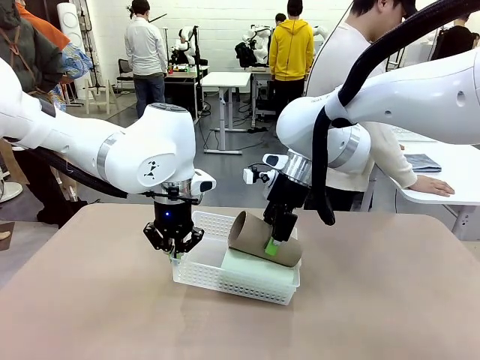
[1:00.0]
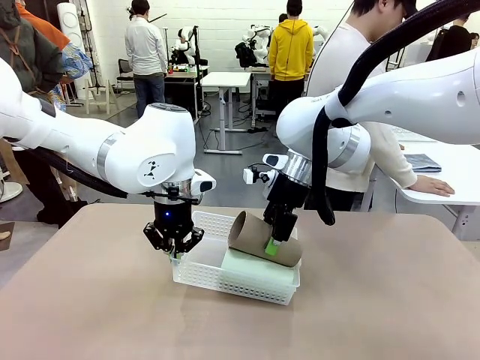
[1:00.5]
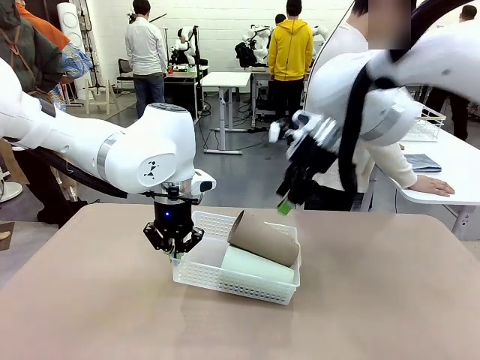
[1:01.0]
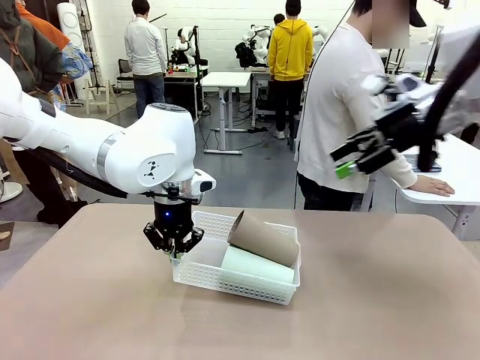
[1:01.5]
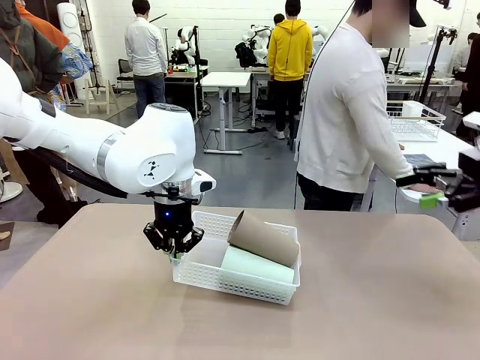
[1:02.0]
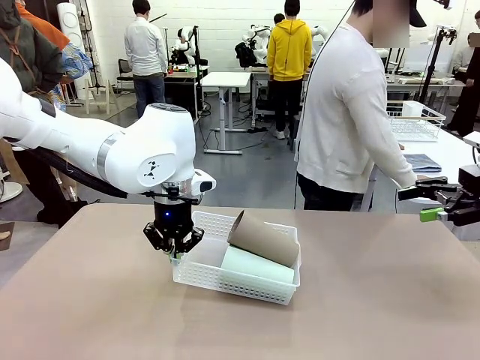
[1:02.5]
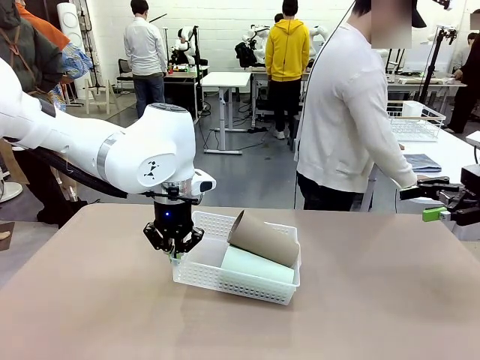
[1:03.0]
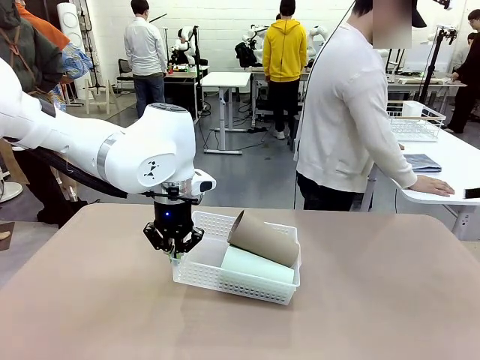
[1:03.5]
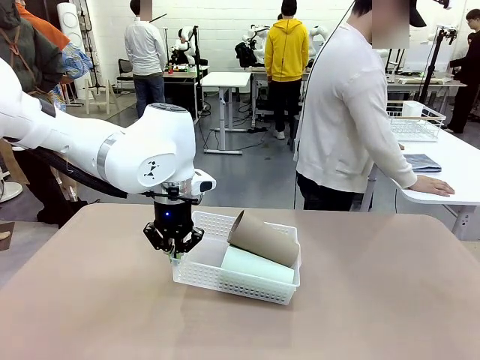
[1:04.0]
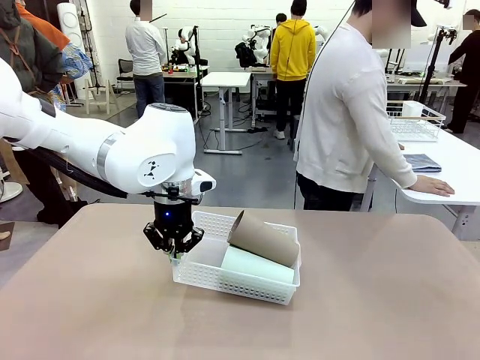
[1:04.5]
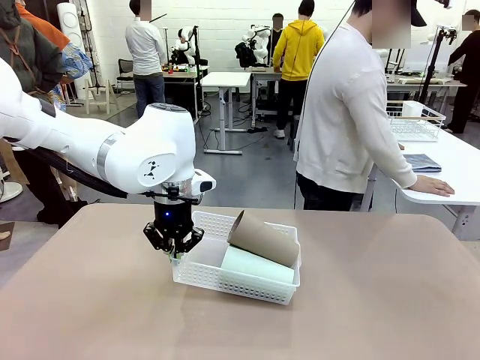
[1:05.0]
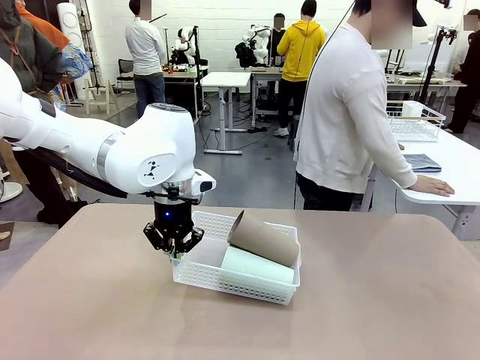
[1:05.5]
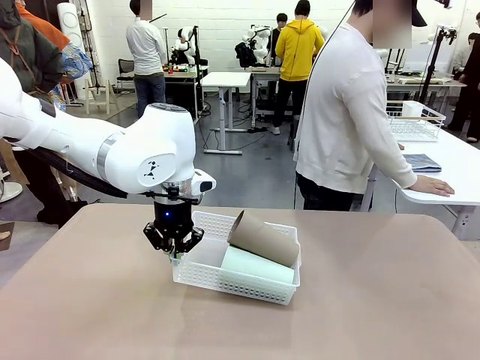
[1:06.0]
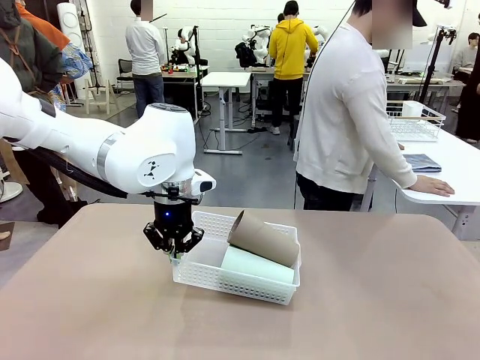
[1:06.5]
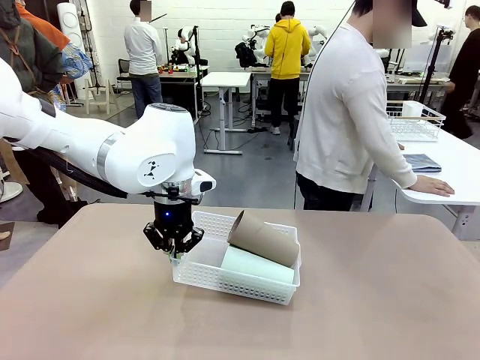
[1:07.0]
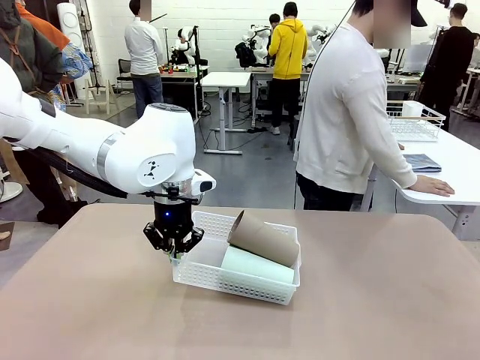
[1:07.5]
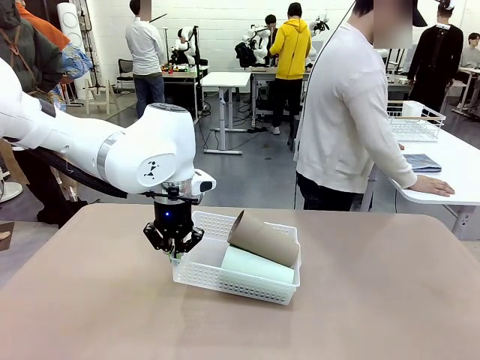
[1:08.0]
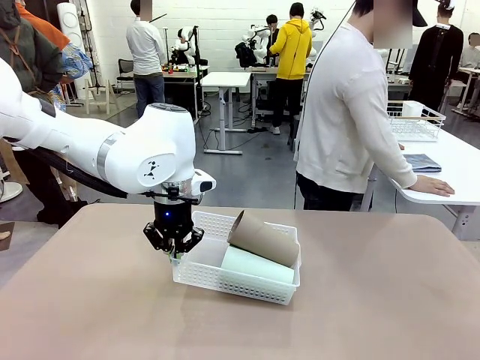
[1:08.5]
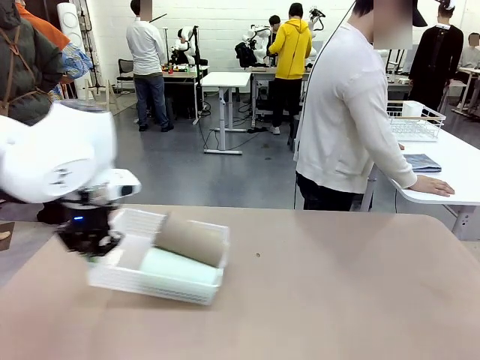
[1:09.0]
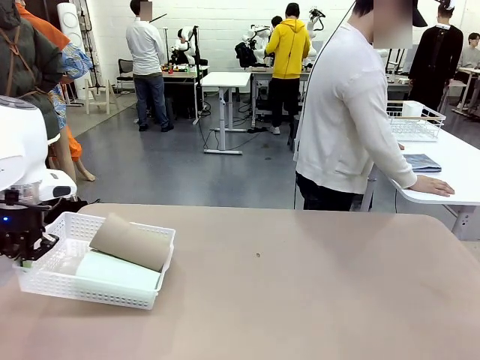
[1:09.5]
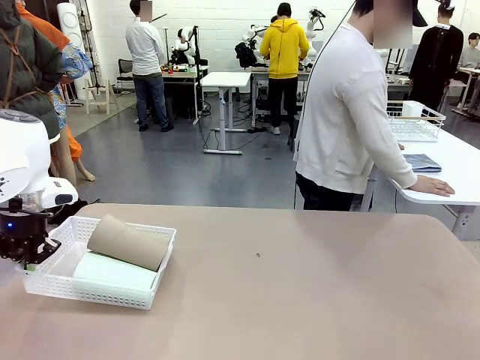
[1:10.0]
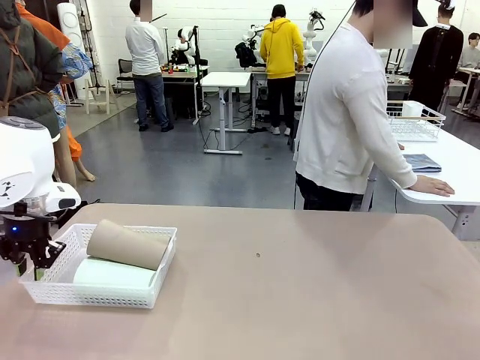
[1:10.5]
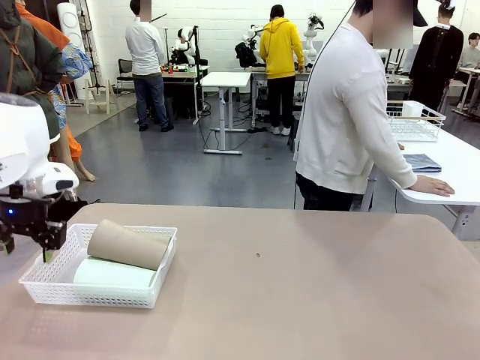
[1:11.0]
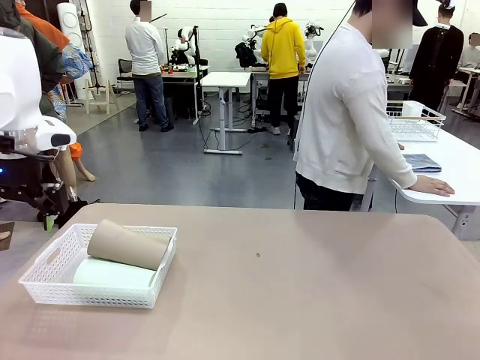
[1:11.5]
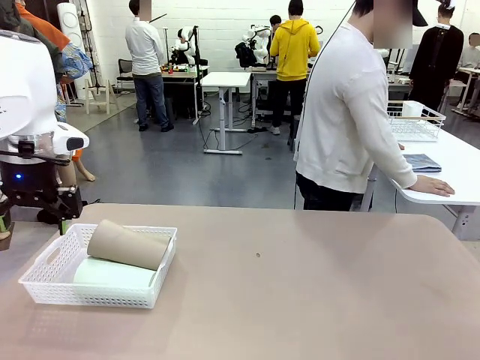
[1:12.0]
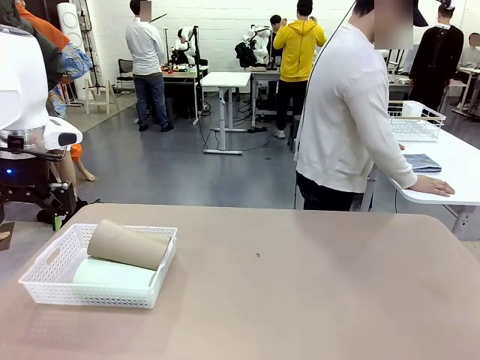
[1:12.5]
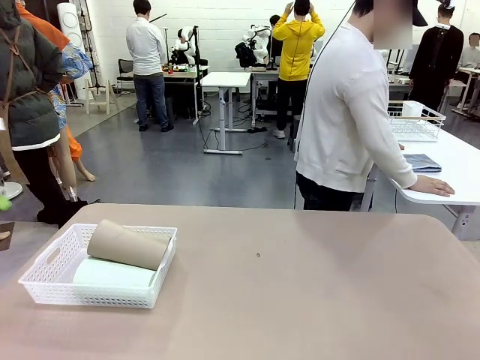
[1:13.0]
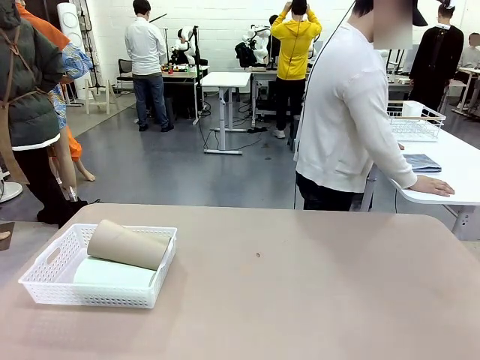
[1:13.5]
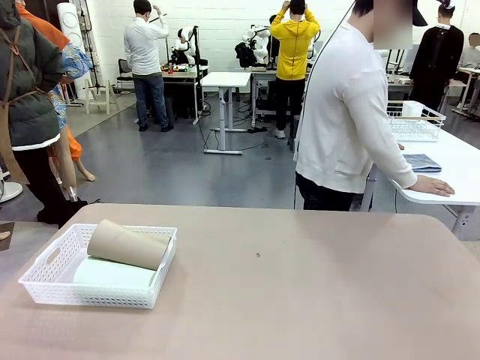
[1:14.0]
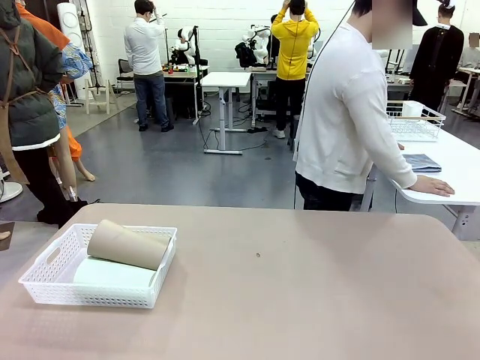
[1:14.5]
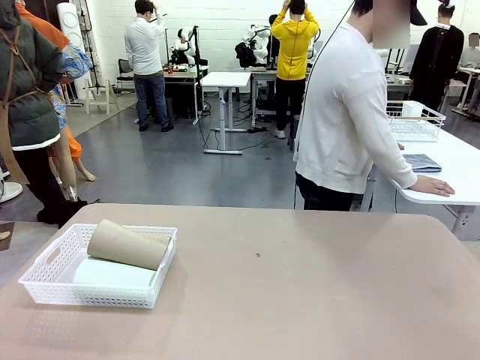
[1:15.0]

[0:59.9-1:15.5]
Task: Clean and organize the cups into the basket.
Robot: Move the Organizing basket back to the left side of the table.
Person: Folds the towel in half twice and places it in the right of the table.
